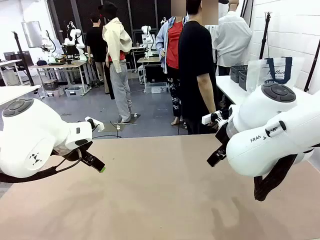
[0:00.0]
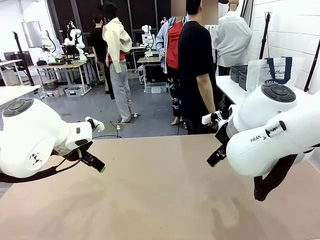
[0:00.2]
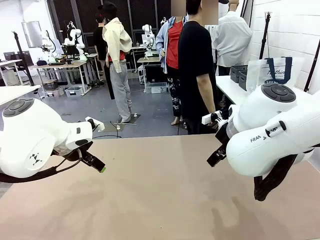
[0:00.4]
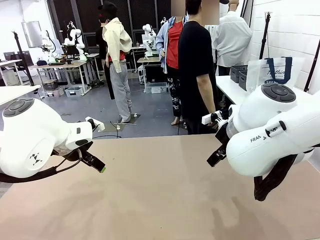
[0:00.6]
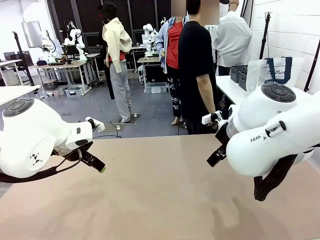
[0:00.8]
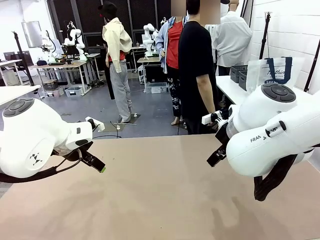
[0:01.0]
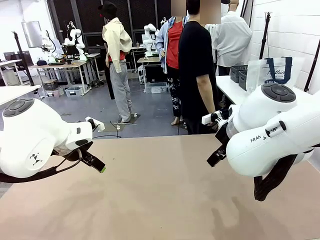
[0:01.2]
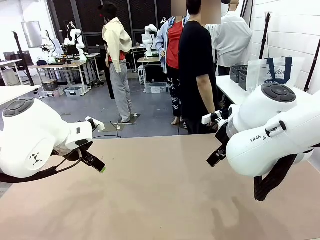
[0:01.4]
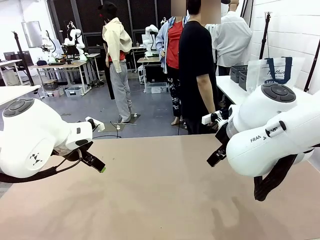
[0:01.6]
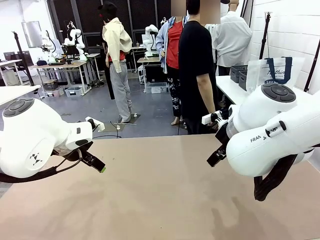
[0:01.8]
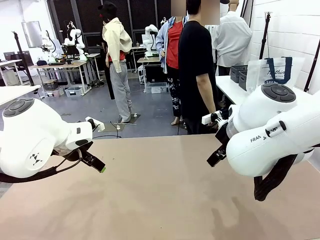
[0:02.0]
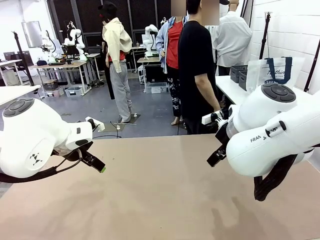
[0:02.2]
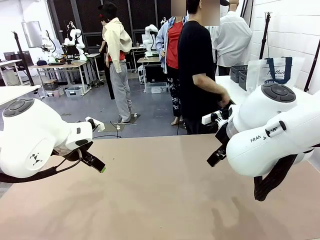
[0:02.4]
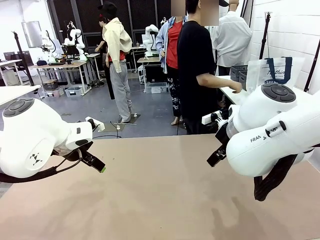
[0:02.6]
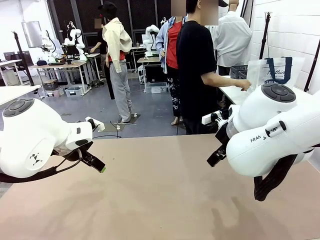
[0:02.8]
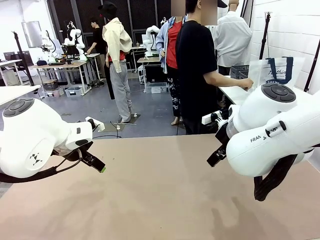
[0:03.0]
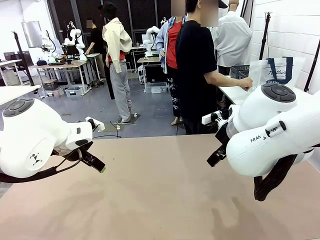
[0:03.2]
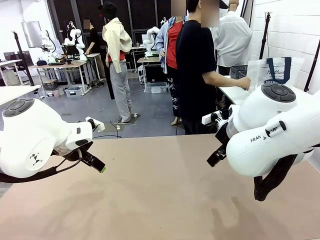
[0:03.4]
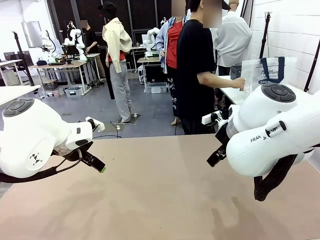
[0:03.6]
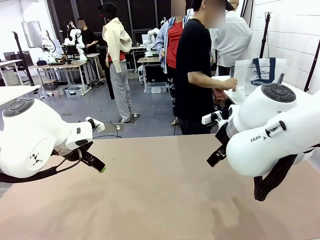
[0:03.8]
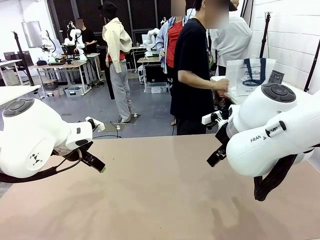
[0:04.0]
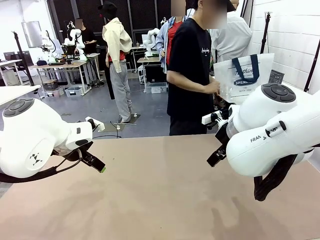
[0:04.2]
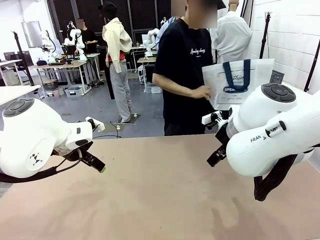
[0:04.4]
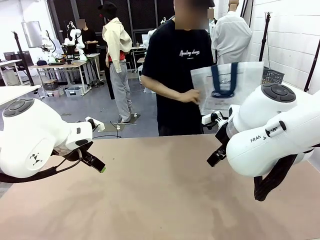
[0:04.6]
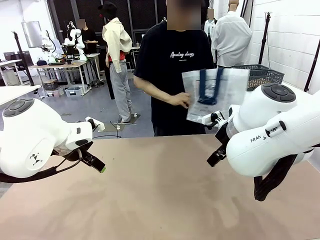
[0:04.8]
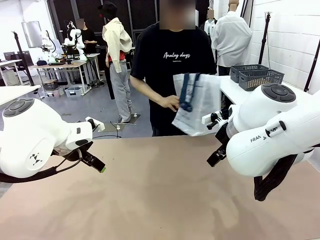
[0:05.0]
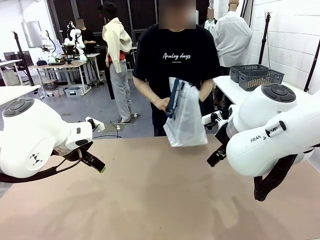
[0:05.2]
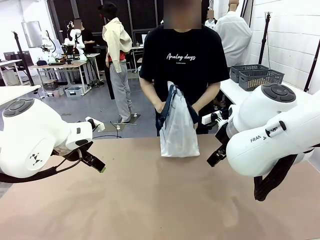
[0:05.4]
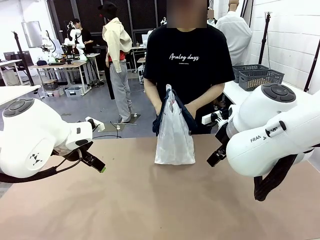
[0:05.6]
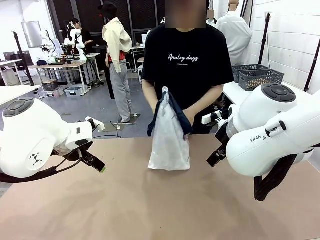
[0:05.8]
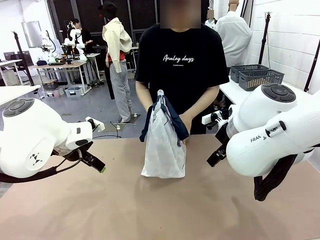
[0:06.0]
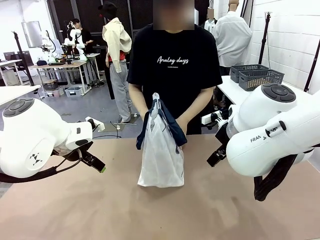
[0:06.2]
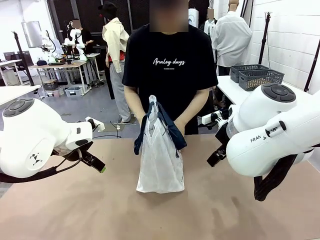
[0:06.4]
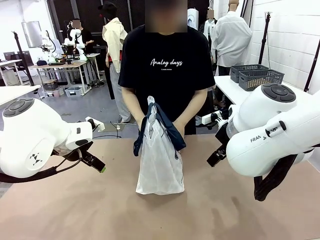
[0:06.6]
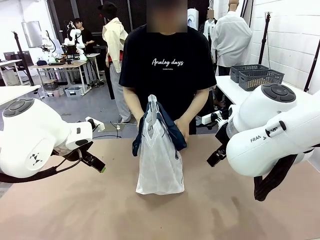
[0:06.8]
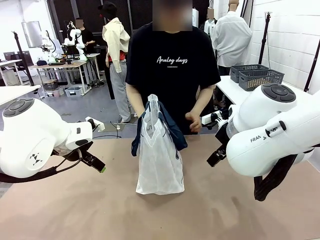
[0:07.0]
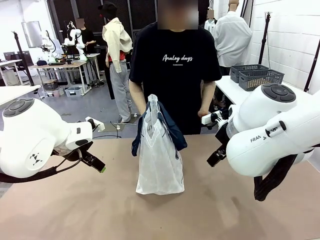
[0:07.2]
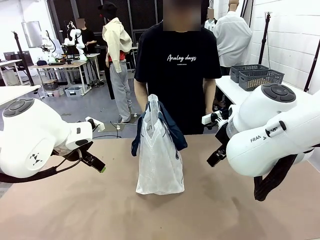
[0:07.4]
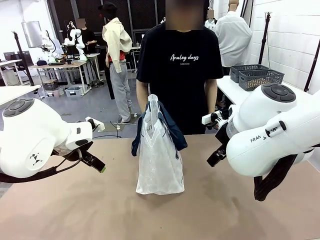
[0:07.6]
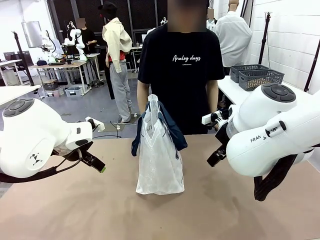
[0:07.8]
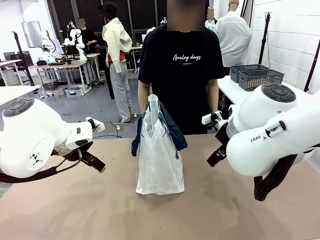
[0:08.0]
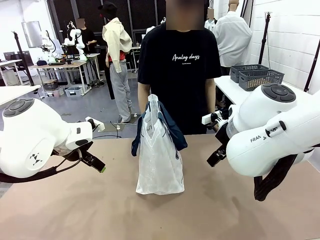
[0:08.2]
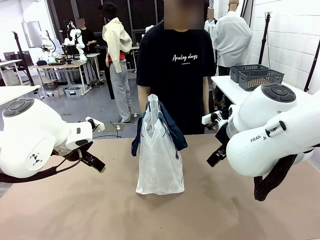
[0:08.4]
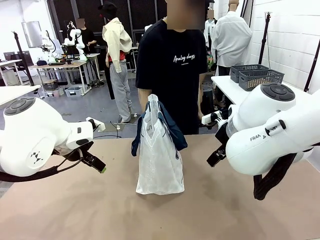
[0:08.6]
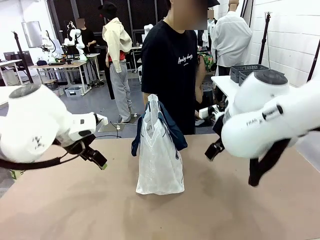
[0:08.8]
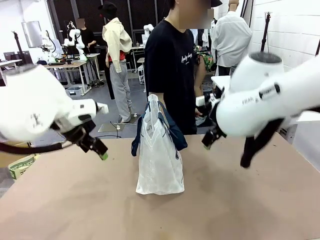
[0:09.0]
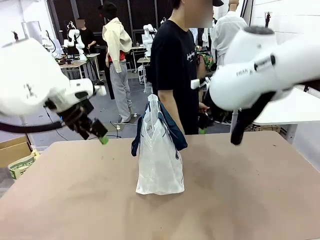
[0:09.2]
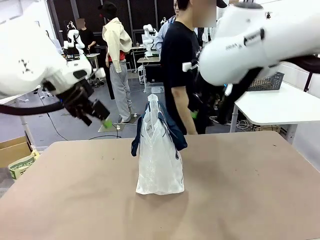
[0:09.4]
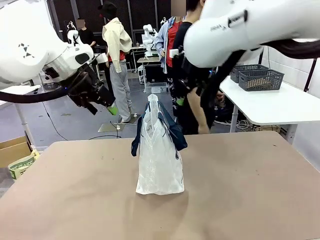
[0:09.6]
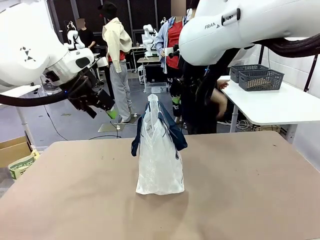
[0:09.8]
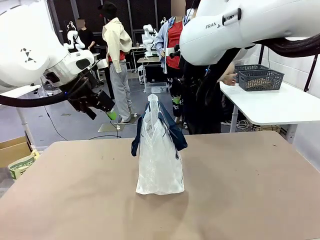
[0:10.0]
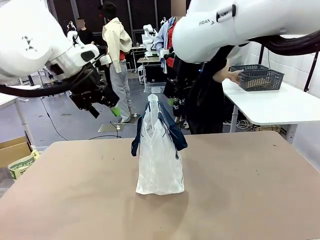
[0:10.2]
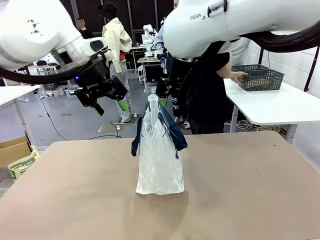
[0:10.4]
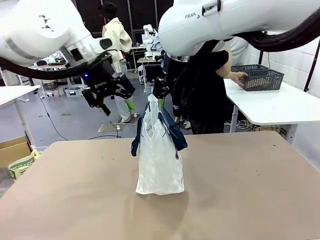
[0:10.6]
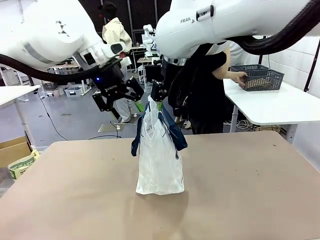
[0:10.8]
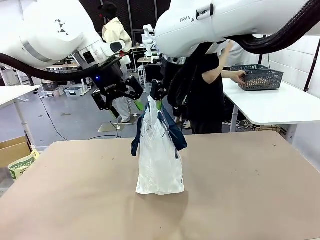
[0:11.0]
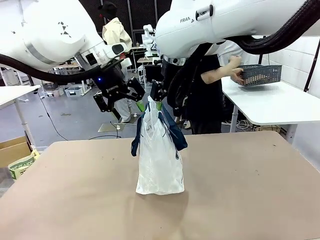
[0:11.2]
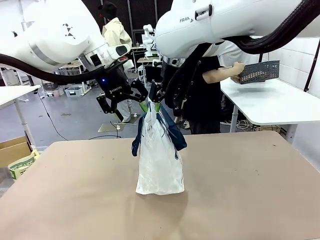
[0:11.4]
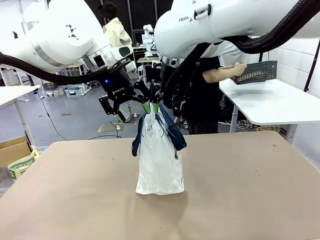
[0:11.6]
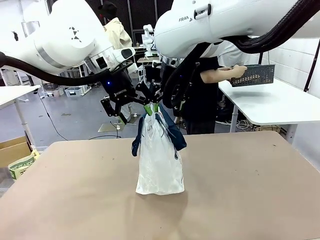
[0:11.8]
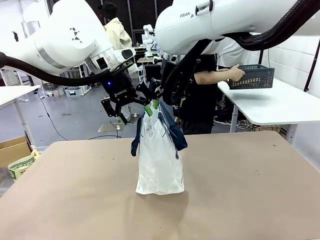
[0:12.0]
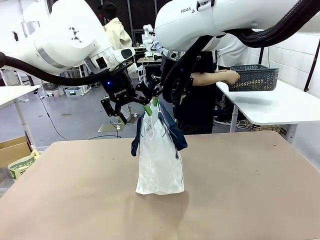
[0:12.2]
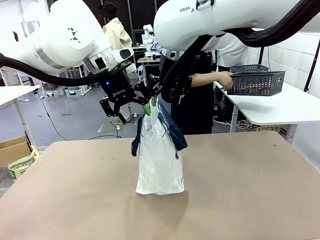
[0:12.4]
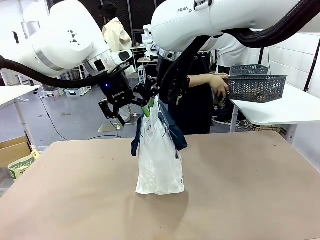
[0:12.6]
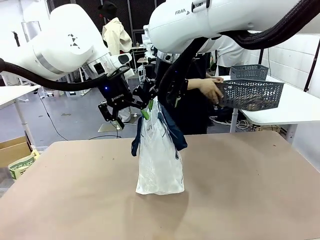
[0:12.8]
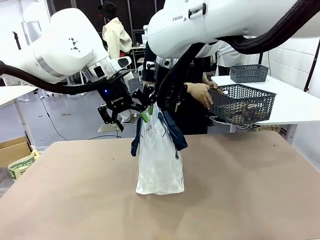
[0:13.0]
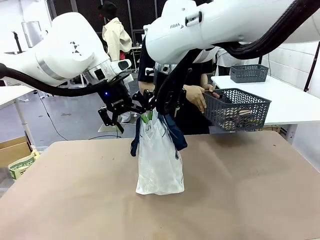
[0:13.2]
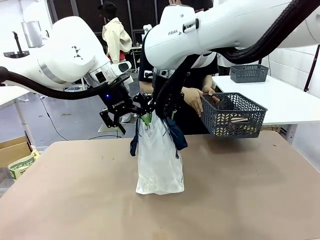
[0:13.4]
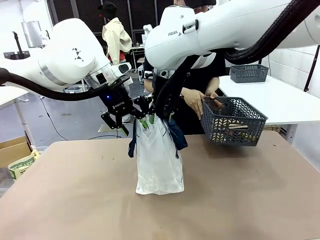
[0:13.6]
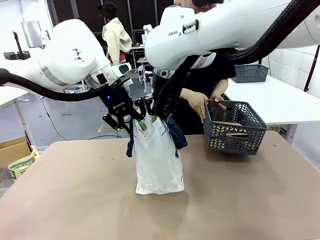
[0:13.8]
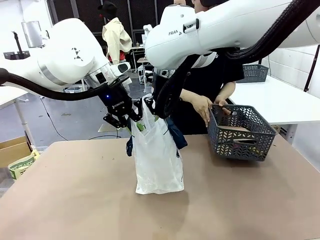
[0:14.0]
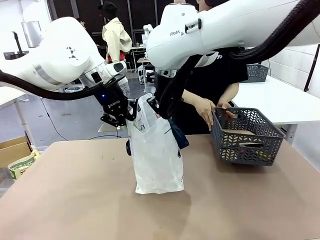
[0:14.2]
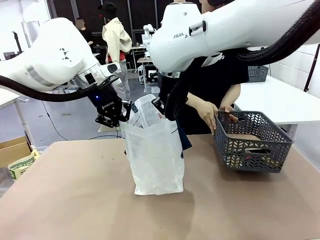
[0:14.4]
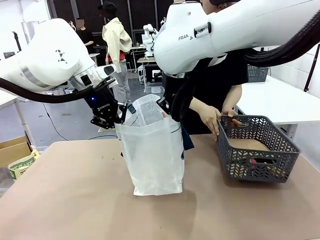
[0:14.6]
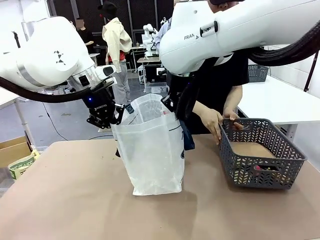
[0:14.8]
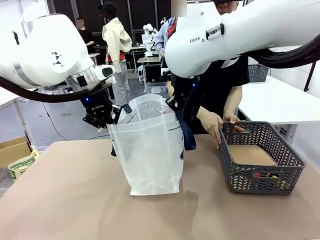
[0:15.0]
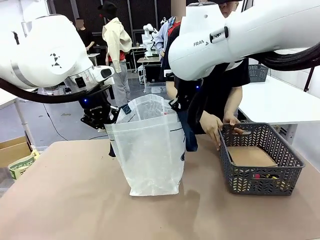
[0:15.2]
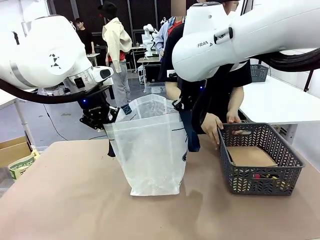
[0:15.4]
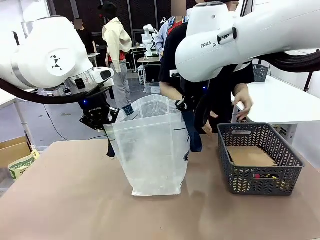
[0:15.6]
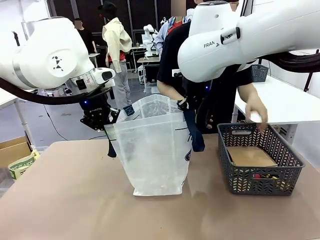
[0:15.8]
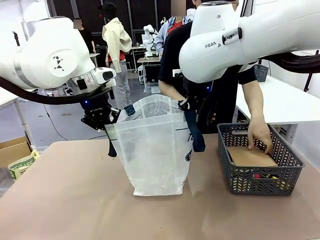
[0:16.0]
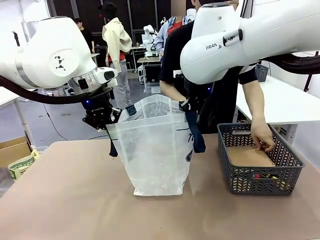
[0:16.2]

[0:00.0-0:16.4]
Task: Transfer purchased items from the store into the shopping bag.
Robot: Open the Reusable shopping bag in the center of the table.
Person: Pick up the shopping bag and place it in the middle of the robot table.
